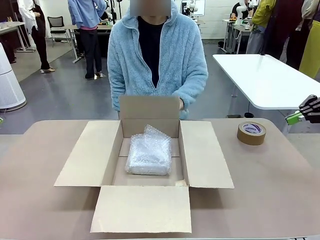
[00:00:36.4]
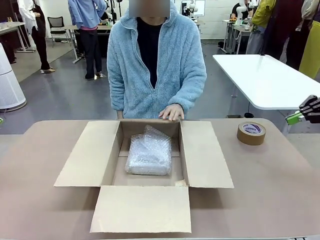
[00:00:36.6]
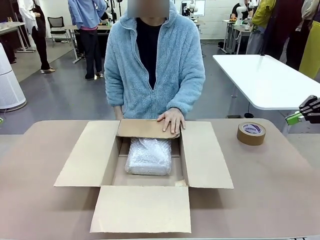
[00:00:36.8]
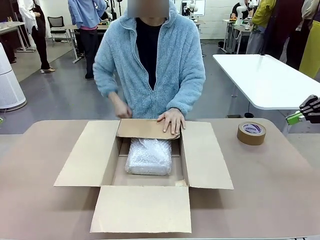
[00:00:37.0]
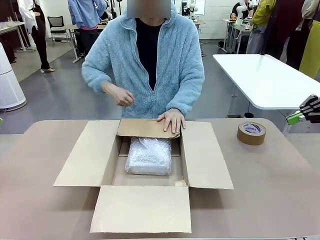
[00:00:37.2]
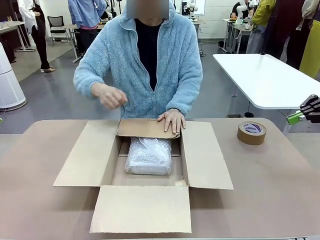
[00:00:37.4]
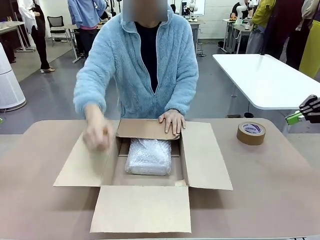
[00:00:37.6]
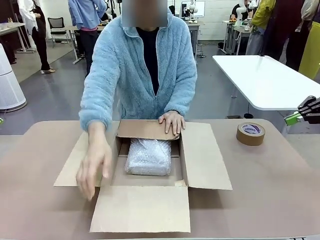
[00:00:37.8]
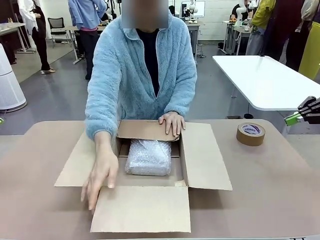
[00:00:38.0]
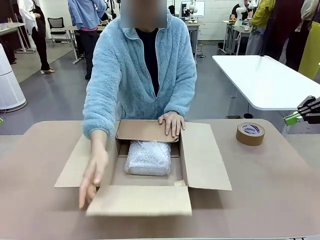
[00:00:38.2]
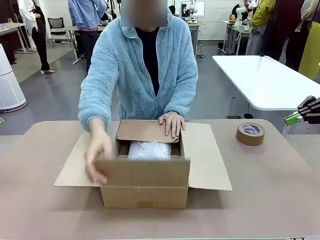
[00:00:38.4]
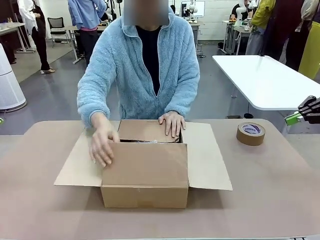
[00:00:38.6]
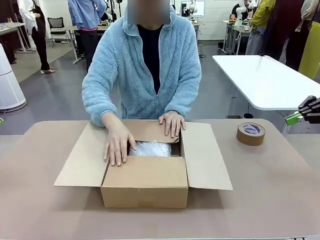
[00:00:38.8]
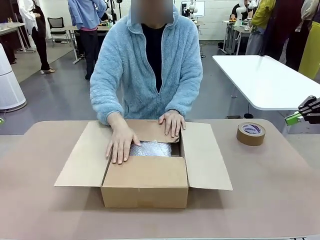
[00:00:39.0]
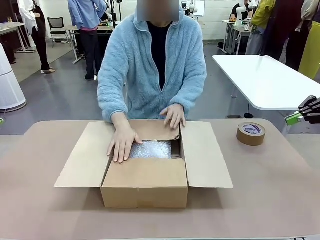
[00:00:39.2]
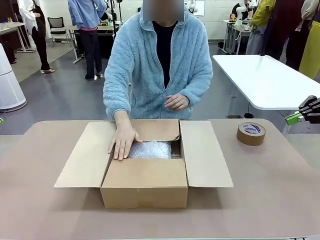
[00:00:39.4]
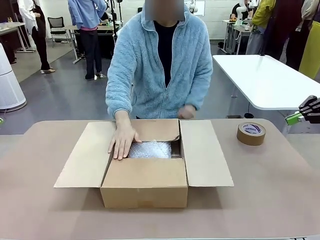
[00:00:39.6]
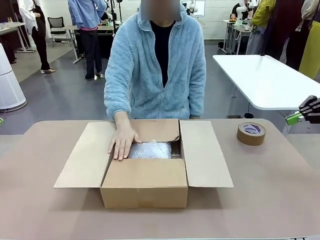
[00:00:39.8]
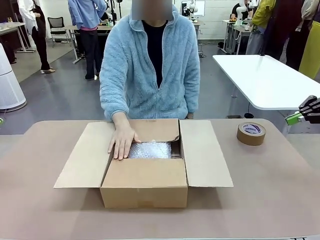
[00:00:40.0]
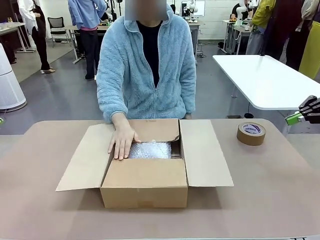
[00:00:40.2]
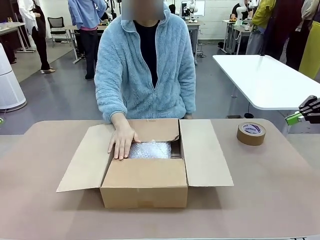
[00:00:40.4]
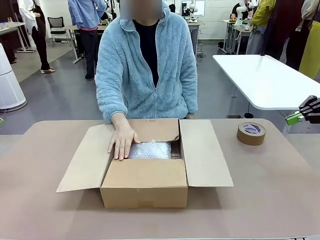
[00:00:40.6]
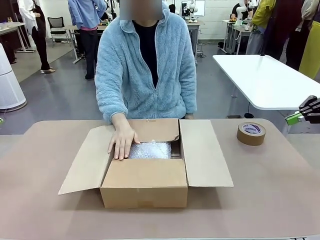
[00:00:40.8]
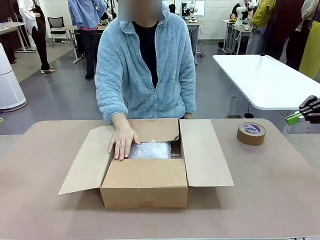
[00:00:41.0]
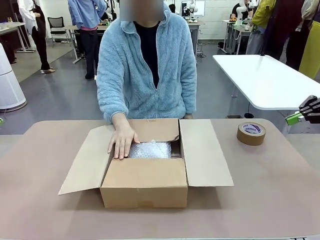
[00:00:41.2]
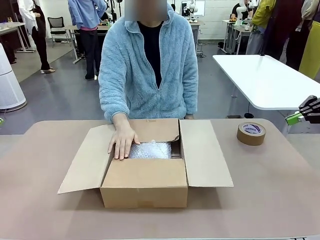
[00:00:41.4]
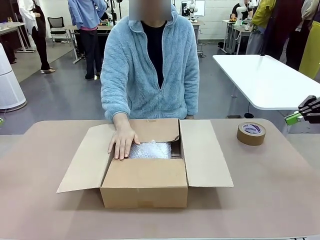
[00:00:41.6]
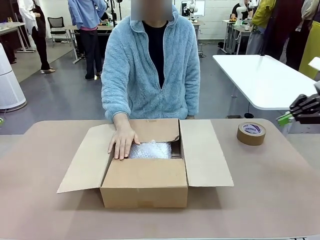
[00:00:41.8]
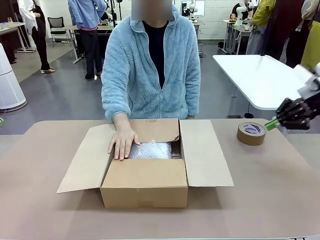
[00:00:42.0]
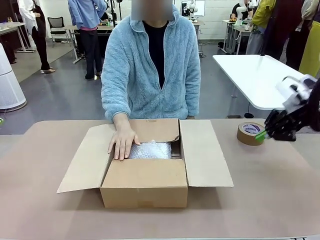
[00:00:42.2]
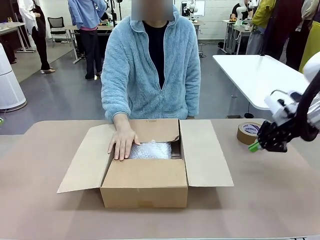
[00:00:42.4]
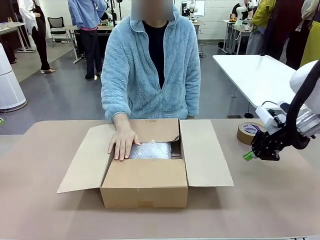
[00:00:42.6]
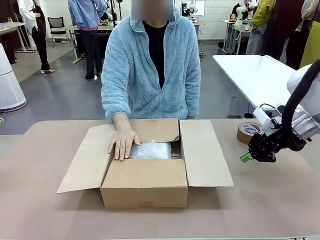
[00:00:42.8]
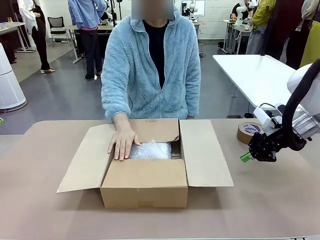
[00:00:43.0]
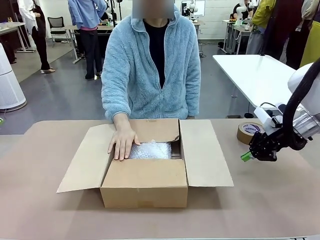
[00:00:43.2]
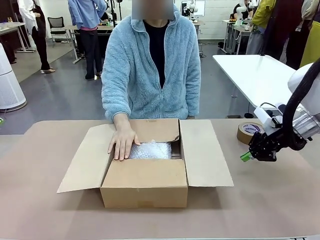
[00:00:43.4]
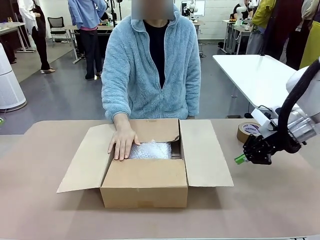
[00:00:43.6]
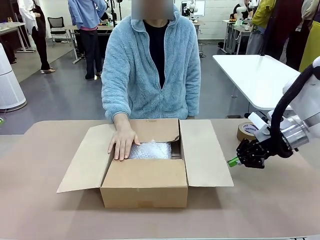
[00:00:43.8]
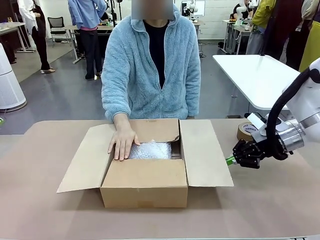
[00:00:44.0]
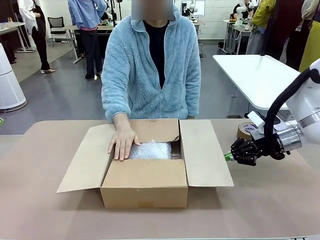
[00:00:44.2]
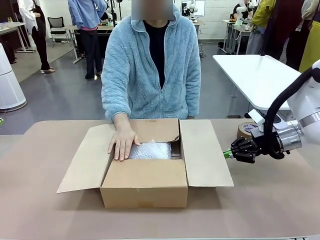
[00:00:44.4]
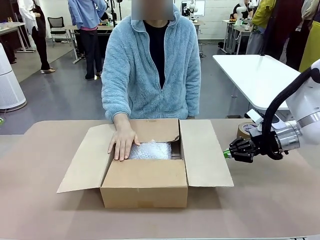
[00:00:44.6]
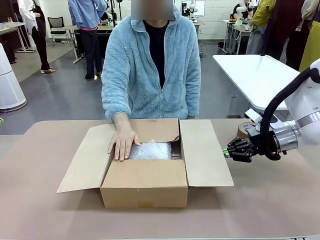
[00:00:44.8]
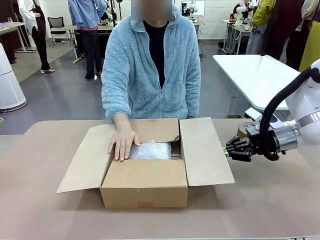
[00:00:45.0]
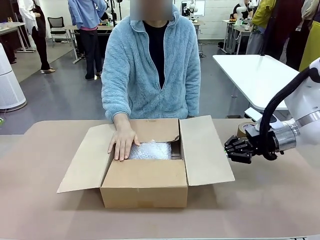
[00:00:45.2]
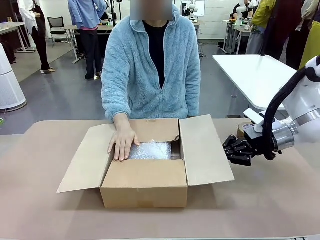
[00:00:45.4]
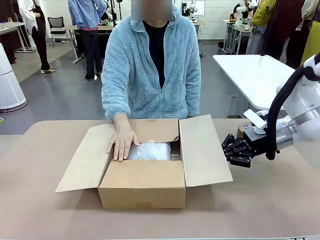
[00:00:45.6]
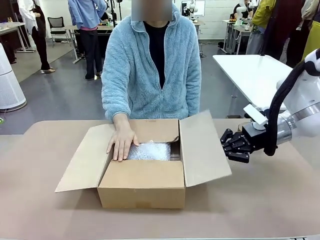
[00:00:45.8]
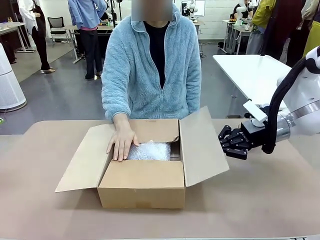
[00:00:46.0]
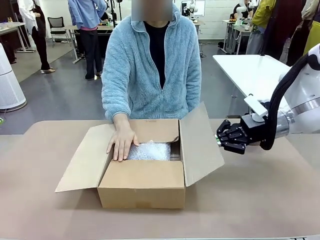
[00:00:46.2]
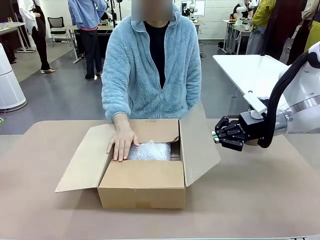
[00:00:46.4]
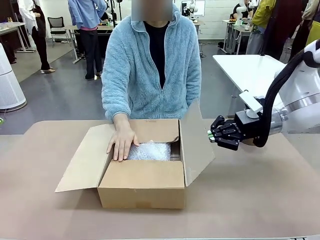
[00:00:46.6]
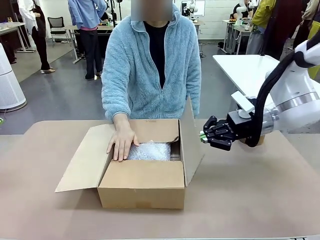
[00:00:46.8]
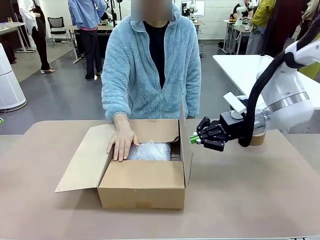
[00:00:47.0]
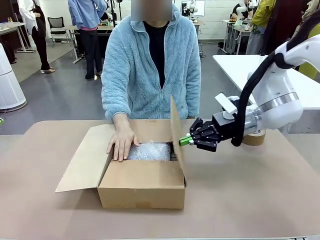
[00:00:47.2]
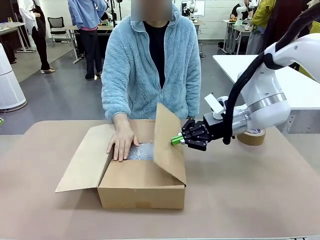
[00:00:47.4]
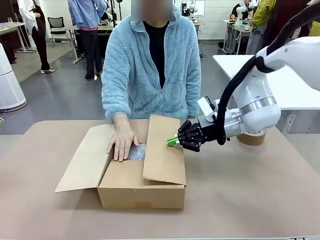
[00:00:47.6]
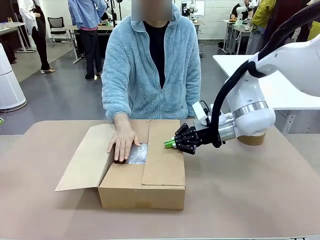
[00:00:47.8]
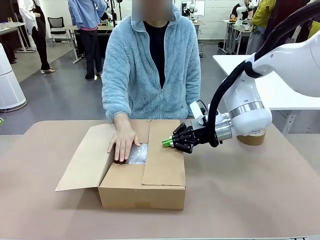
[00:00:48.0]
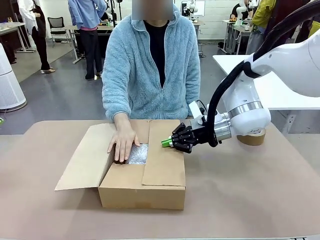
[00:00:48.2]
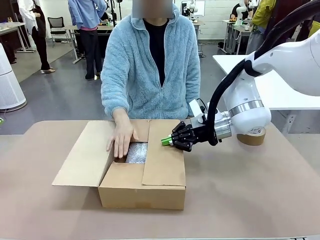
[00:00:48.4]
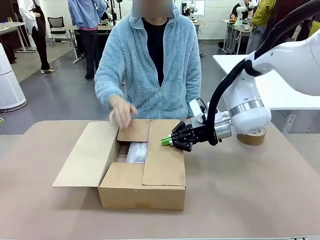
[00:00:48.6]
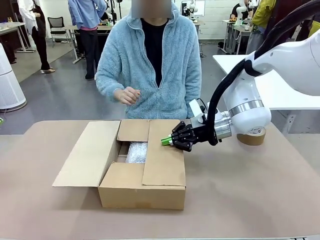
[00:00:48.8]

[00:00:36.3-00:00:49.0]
Task: Wrap the clocks to prevent damage.
Robot: Push the right (or left) flap of the Package Box to close it.
Person: Once the robot closes the right flap of the Package Box , release your left hand from the box.

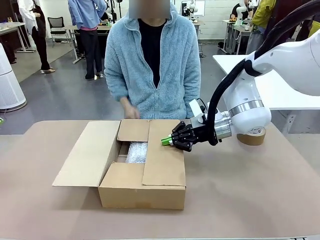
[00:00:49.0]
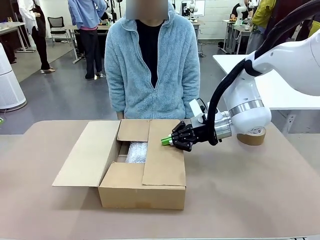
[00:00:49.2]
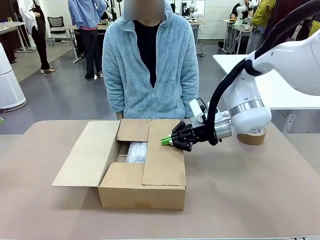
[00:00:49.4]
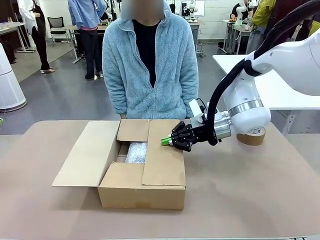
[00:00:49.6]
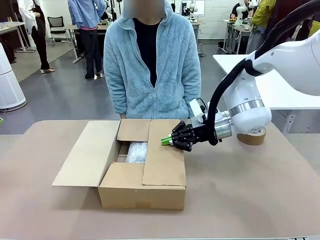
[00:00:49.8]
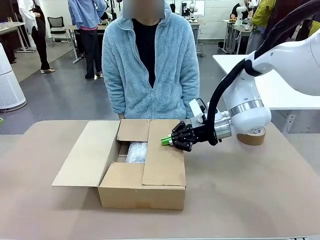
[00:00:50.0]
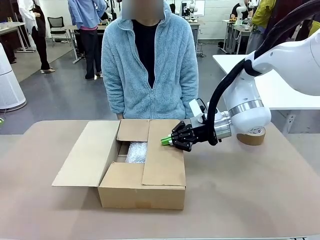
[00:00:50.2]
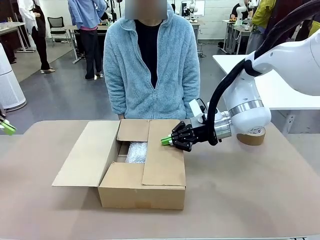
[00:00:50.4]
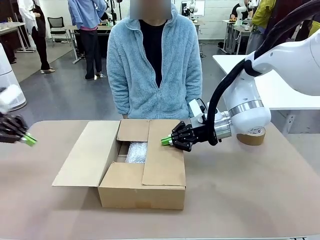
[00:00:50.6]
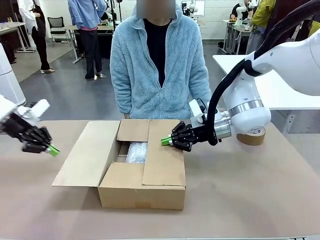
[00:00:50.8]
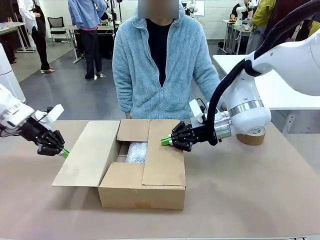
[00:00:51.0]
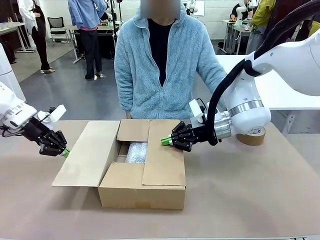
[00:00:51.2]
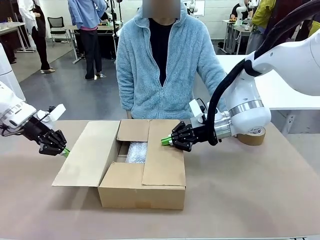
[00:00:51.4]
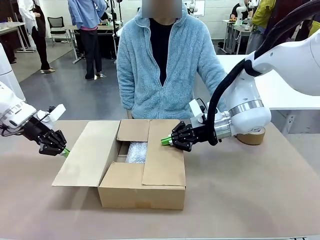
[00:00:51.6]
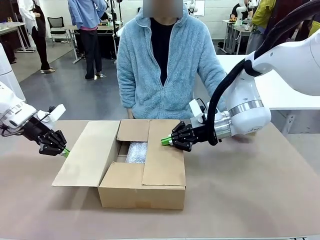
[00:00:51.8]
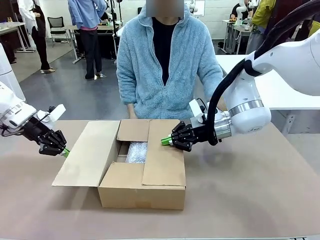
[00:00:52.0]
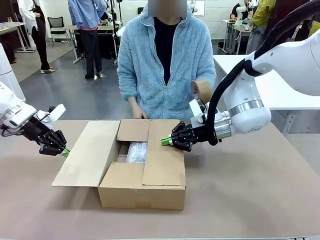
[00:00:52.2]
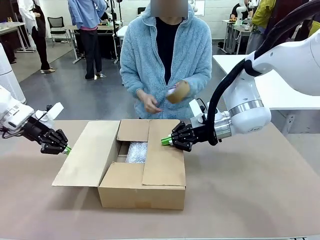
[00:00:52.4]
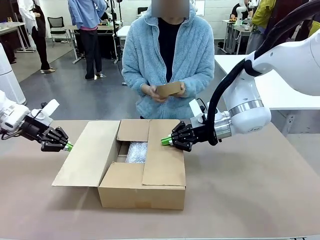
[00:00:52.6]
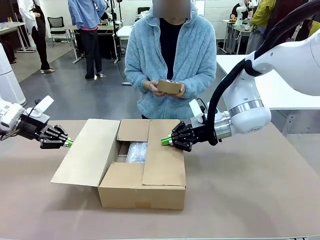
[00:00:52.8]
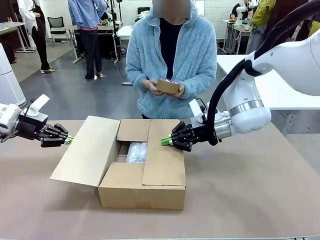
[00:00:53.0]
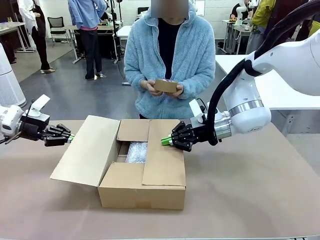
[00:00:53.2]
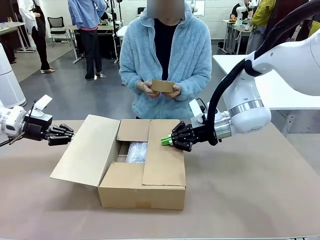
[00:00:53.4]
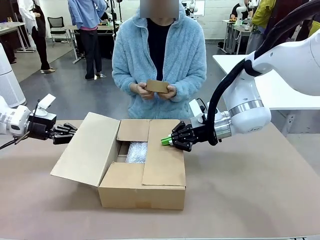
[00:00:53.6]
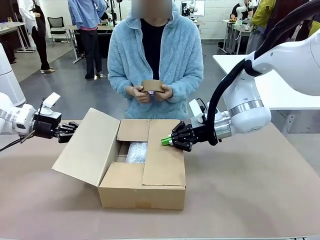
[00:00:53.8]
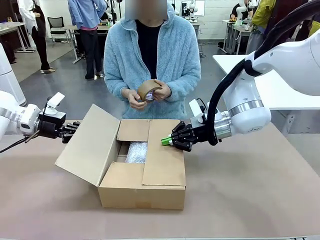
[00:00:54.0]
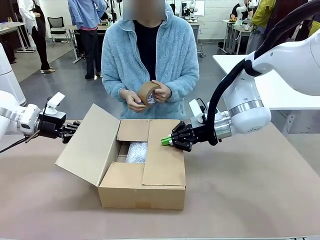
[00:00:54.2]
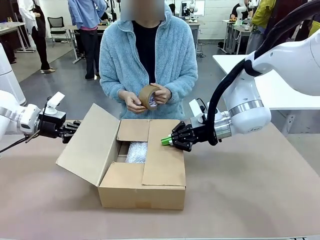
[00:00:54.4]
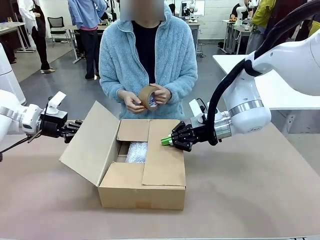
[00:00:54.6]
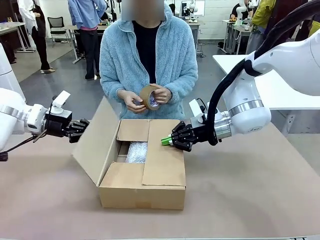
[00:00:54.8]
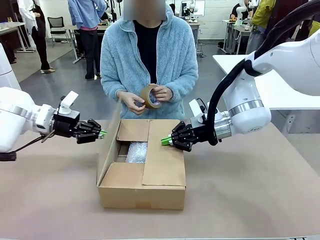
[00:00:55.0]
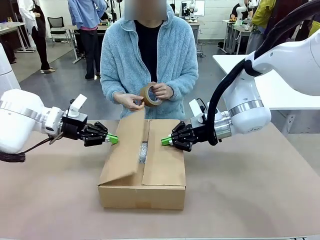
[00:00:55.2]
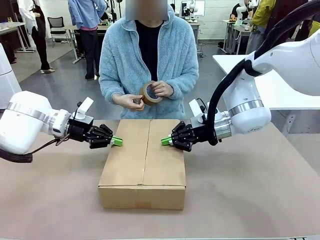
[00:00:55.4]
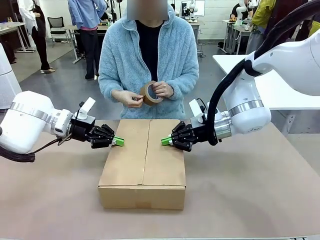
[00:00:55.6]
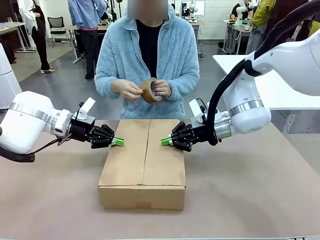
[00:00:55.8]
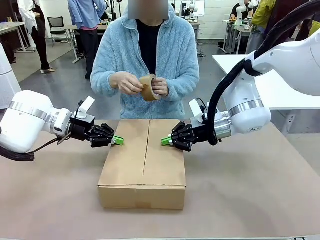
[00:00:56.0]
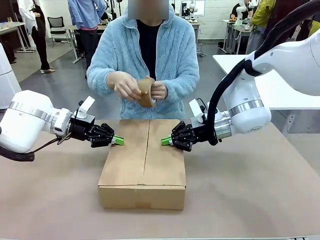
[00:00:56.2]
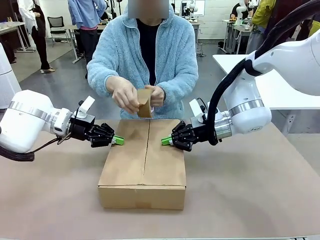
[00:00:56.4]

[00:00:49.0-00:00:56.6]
Robot: Push the left (or right) flap of the Package Box to close it.
